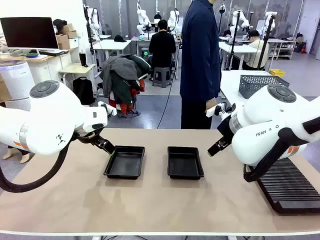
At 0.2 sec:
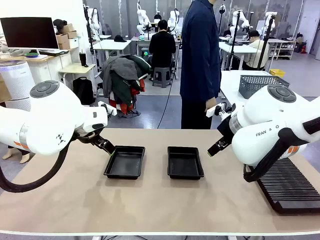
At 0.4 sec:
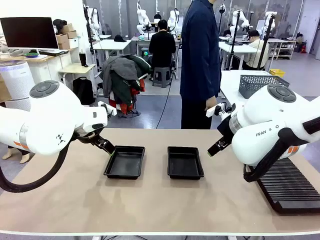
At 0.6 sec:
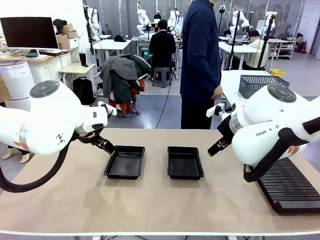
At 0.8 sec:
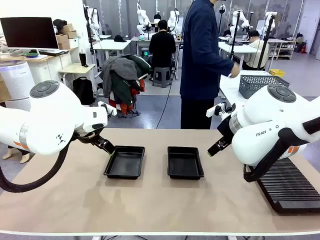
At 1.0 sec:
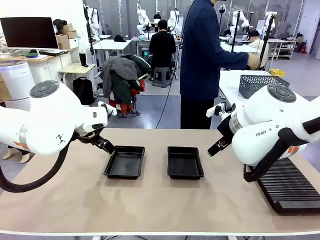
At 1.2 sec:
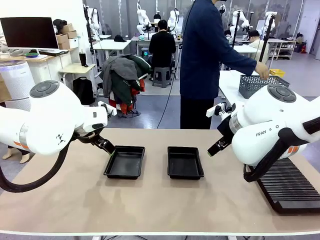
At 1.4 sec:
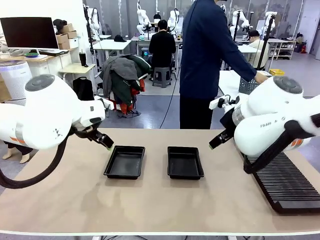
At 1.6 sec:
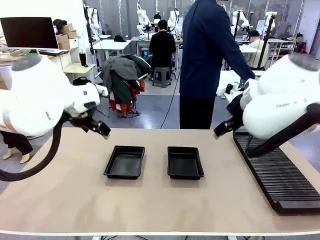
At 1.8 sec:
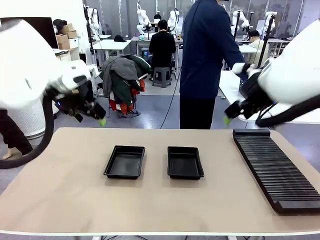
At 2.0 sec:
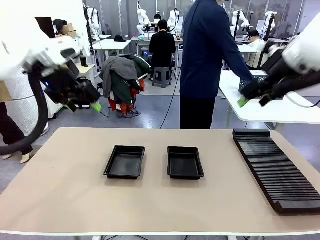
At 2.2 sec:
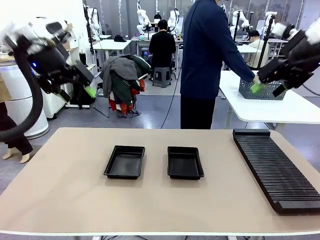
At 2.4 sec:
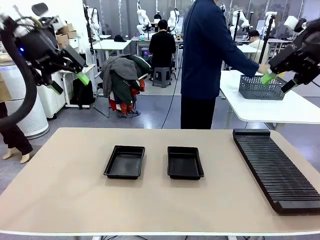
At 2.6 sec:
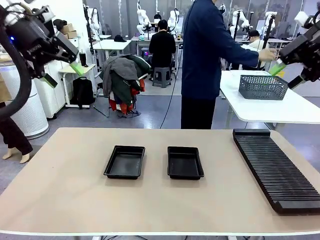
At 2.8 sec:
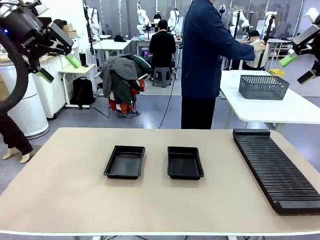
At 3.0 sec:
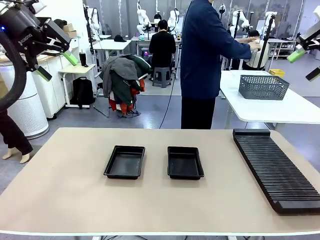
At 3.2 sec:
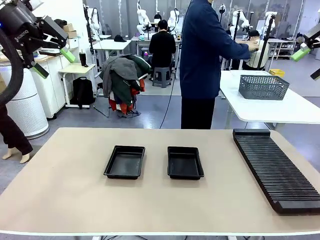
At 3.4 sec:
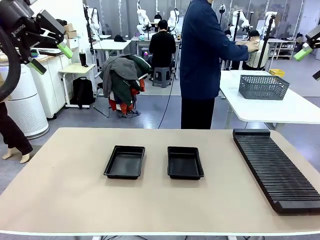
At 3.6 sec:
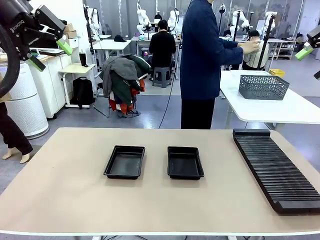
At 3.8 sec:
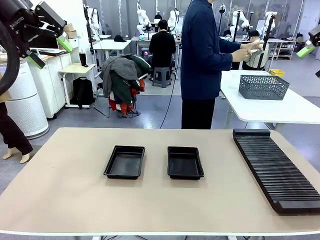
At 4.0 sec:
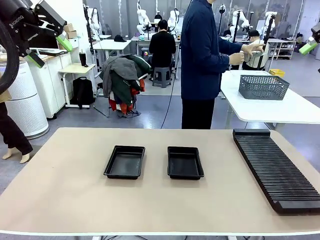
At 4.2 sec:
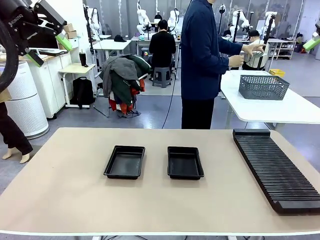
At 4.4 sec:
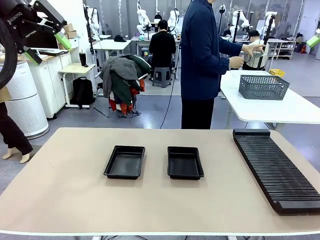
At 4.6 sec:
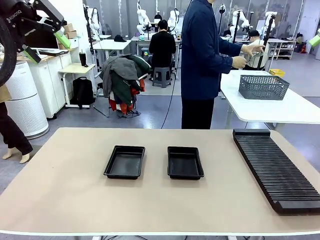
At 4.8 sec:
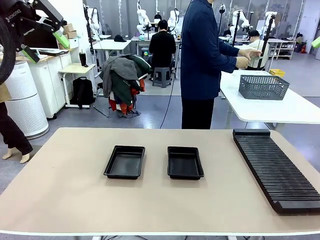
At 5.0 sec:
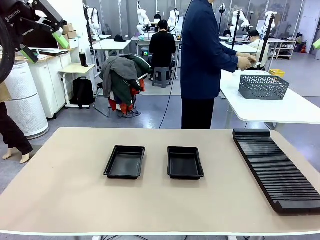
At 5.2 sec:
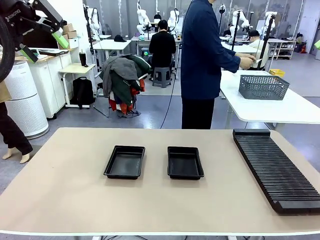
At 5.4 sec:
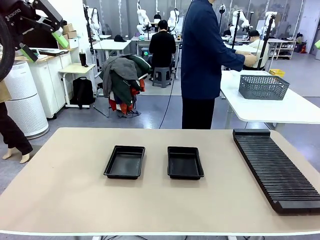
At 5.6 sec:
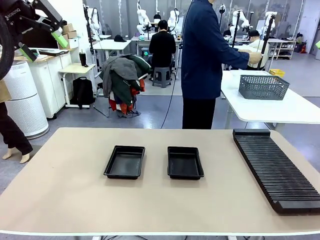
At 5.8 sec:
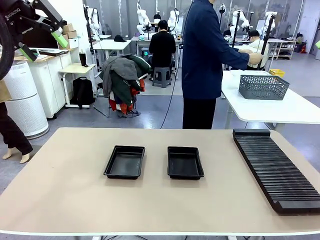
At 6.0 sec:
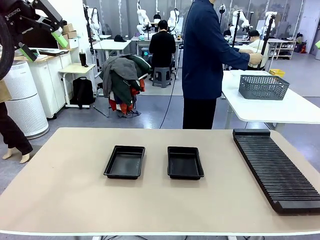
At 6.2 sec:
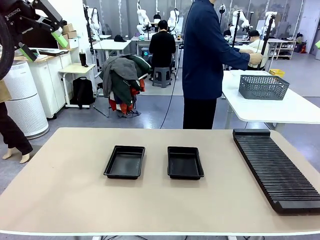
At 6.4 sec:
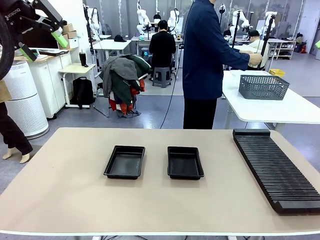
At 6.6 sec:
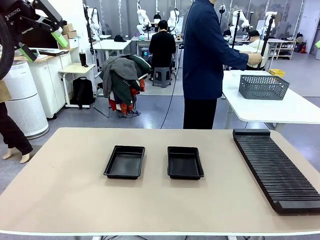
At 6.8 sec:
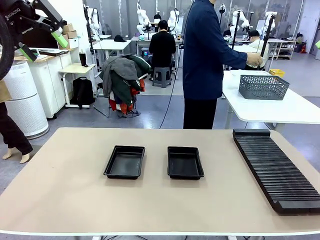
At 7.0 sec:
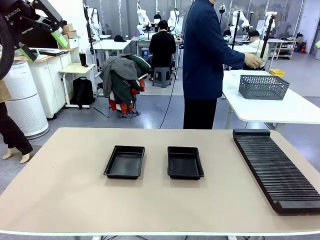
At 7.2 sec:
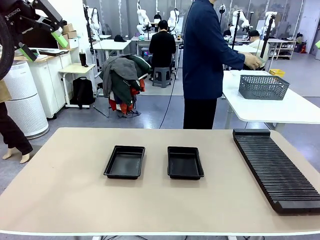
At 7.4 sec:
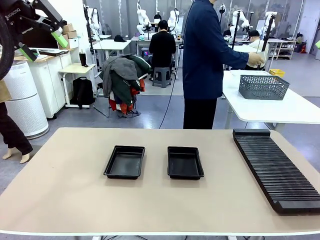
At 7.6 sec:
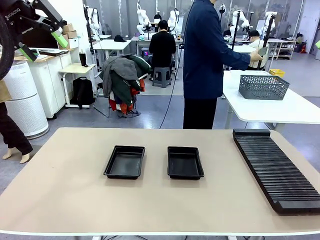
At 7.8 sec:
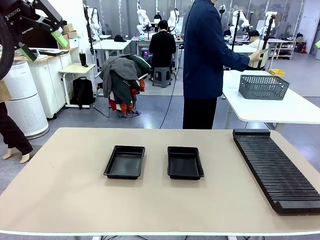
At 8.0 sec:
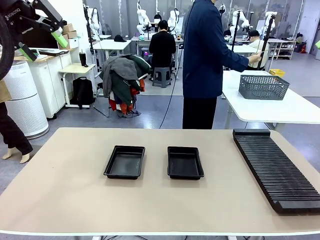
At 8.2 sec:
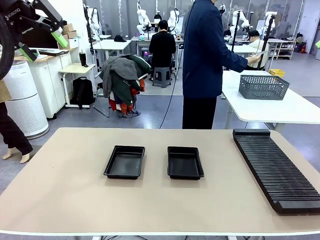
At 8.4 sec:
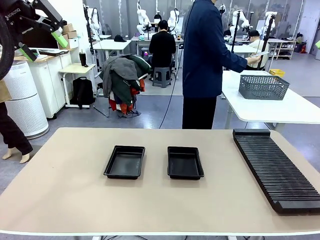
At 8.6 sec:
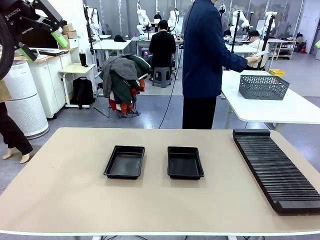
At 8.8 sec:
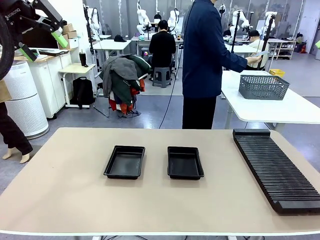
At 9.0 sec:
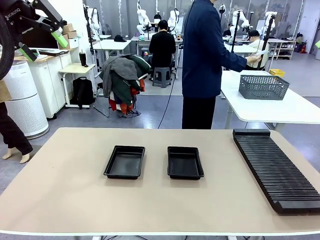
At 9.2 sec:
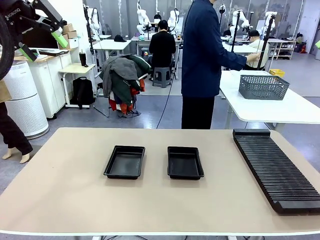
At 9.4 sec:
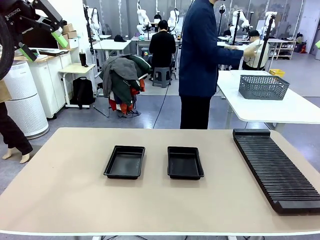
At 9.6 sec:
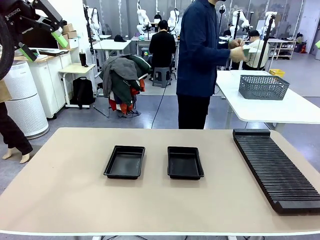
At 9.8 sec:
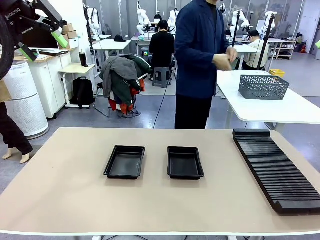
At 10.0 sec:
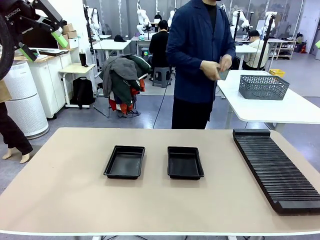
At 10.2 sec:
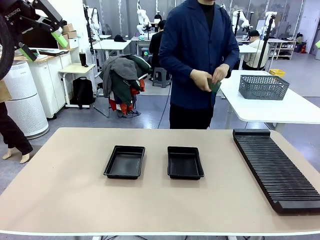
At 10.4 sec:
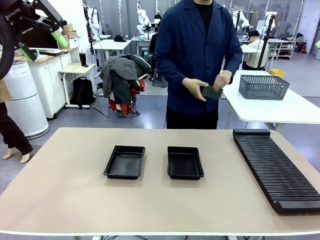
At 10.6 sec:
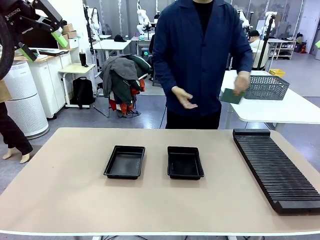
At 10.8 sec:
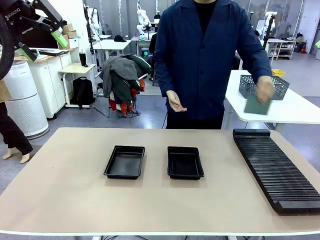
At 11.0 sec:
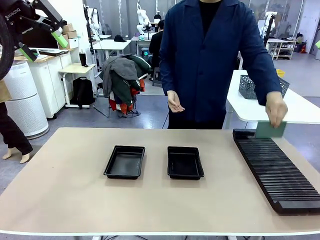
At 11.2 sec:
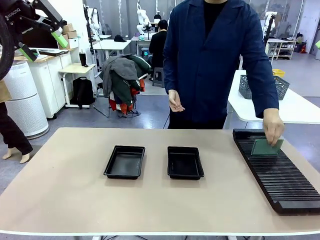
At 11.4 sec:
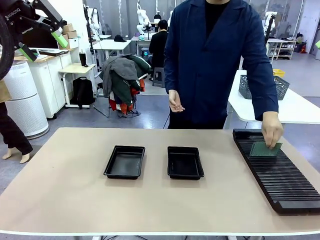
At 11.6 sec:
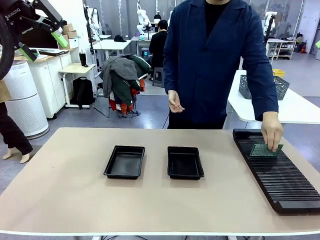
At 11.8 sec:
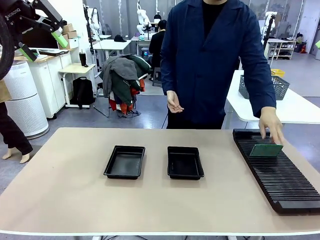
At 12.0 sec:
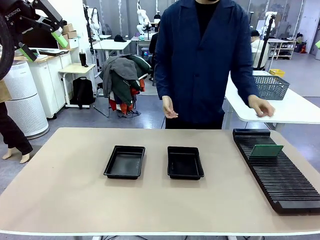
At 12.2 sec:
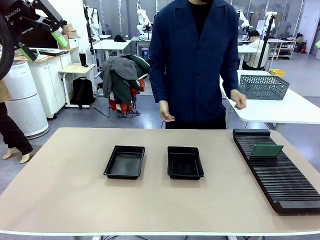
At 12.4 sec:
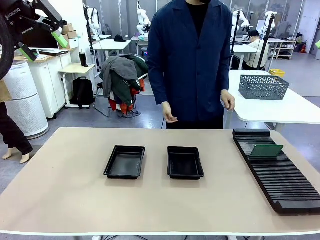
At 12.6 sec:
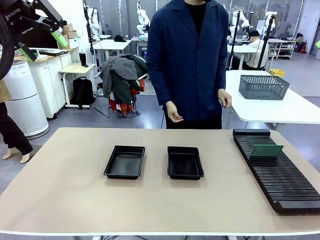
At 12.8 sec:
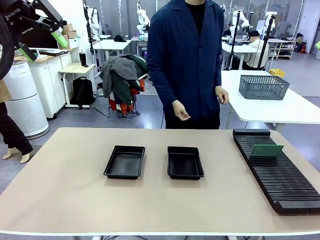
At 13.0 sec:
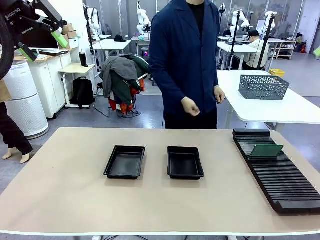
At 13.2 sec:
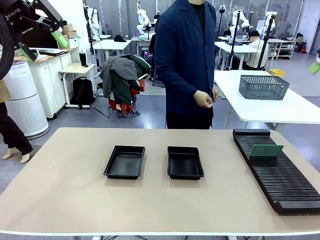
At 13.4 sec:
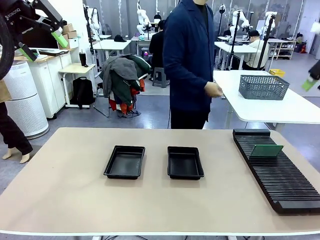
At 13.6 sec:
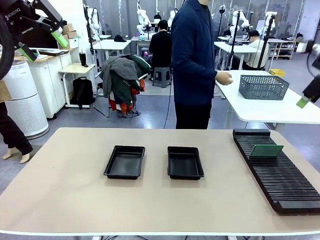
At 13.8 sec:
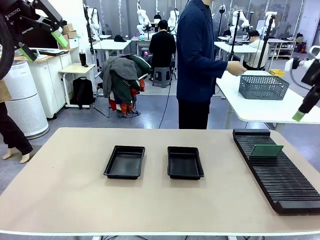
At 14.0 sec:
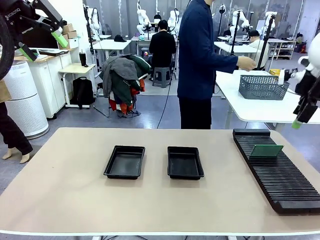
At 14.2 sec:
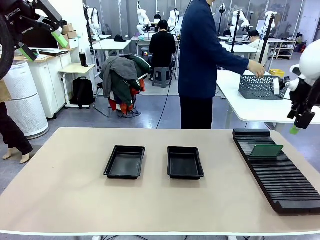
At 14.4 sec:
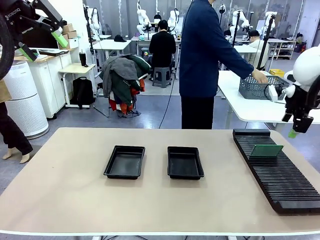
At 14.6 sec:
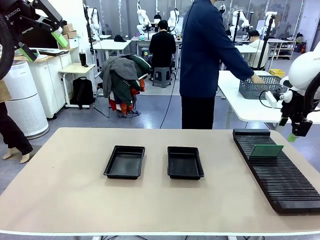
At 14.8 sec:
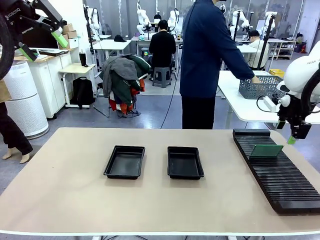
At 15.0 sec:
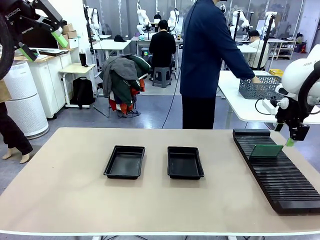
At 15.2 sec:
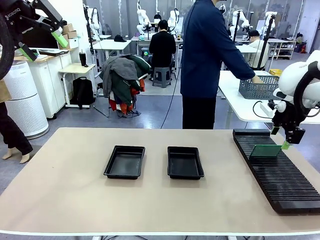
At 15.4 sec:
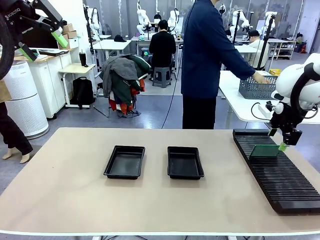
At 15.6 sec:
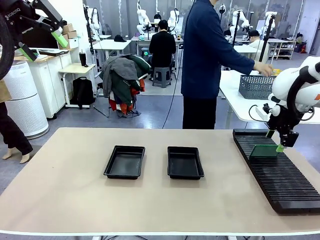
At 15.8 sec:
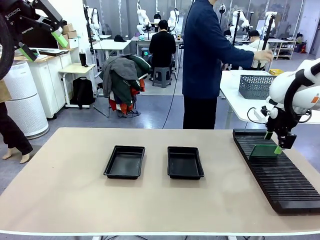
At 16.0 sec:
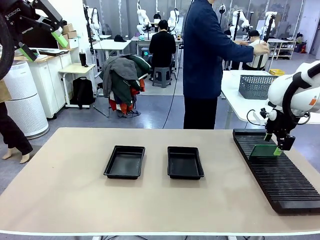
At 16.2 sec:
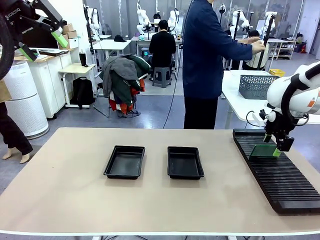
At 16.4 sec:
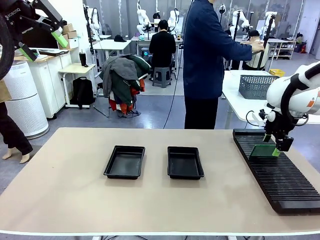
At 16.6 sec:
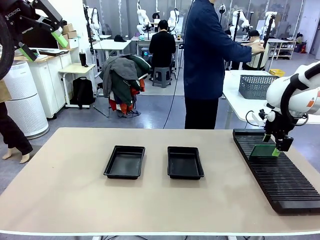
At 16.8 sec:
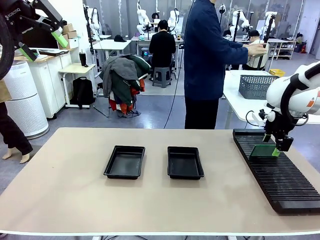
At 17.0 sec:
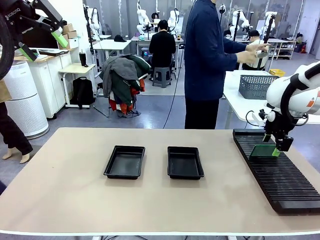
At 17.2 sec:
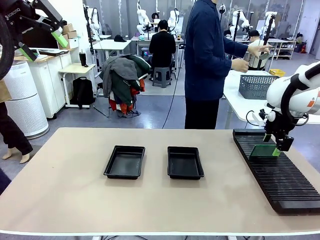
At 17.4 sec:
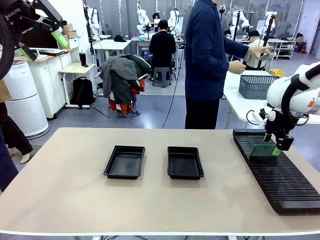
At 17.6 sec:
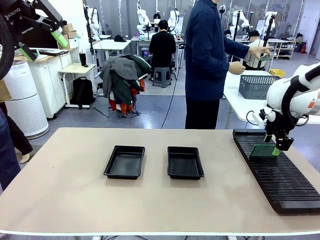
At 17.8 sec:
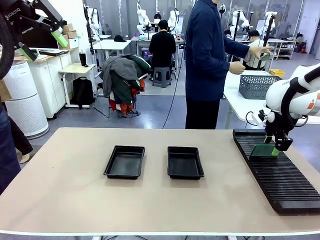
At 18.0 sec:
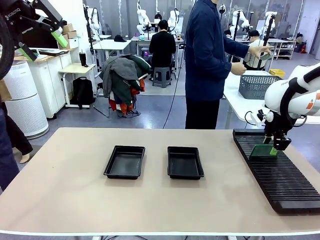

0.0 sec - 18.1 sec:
Task: Inspect and transfer BCBs to ESD trays.
Robot: Pick up the Blank PCB from the PCB Rack and place it in the left ESD tray.
